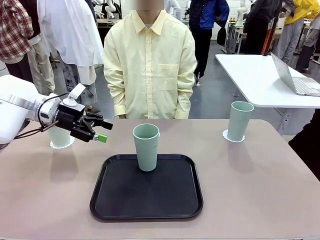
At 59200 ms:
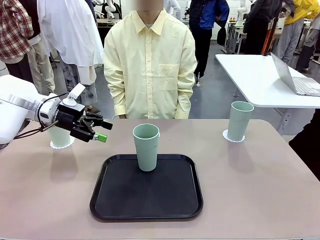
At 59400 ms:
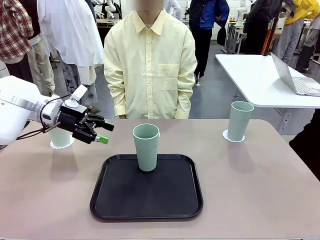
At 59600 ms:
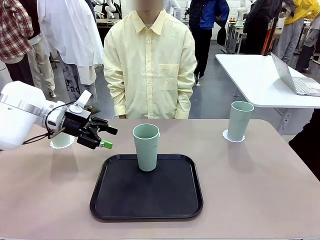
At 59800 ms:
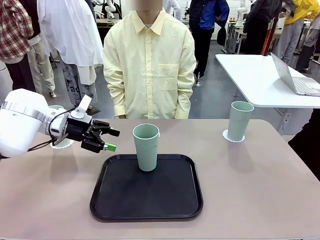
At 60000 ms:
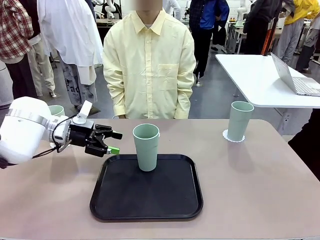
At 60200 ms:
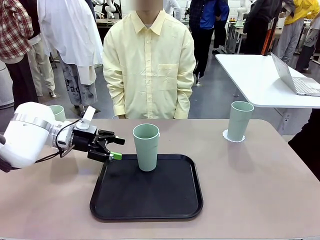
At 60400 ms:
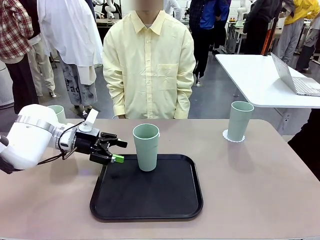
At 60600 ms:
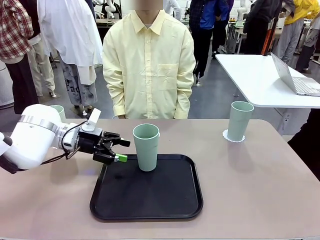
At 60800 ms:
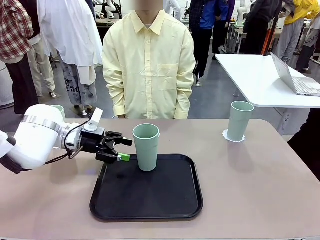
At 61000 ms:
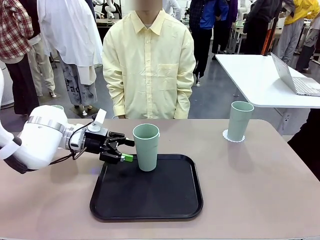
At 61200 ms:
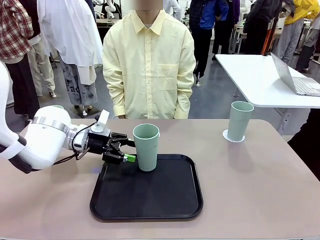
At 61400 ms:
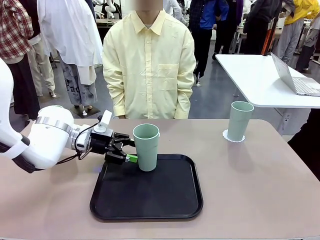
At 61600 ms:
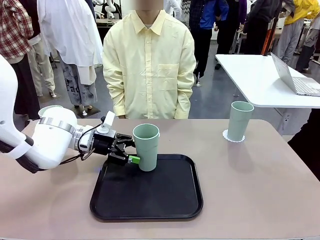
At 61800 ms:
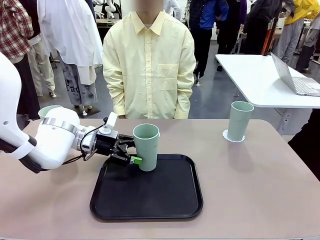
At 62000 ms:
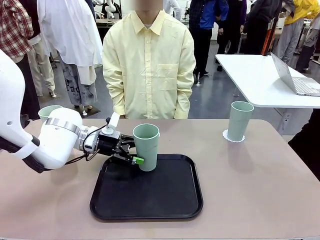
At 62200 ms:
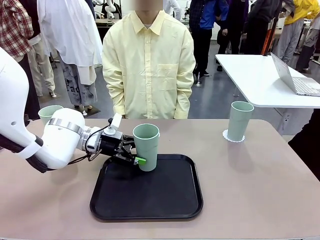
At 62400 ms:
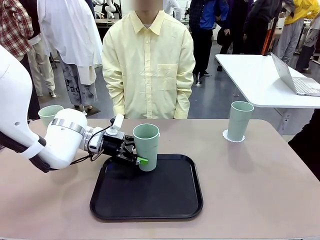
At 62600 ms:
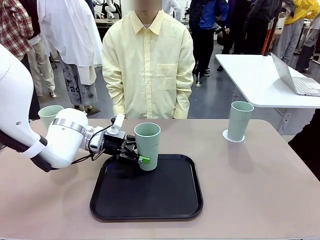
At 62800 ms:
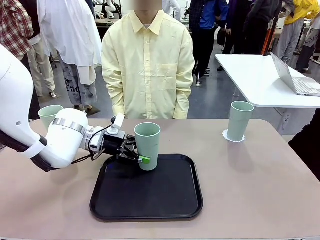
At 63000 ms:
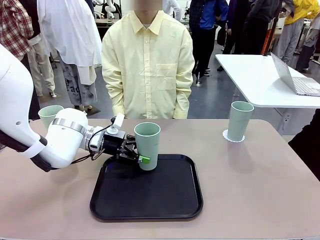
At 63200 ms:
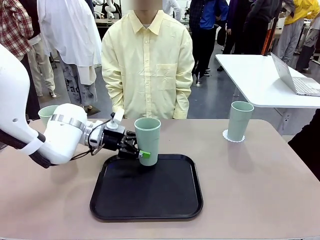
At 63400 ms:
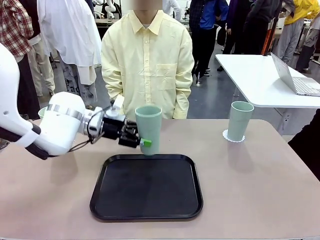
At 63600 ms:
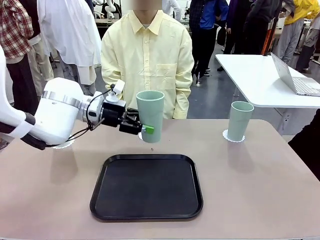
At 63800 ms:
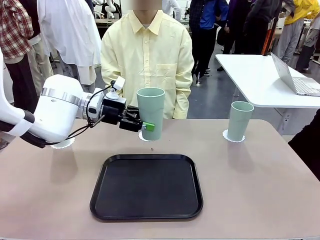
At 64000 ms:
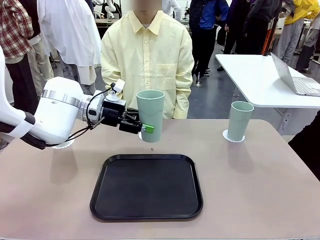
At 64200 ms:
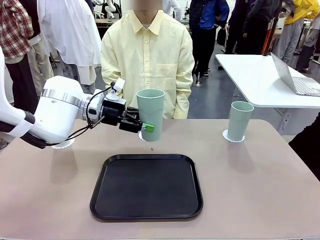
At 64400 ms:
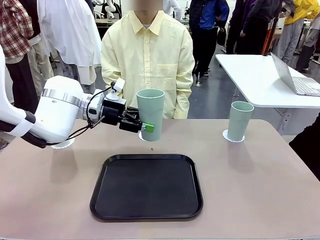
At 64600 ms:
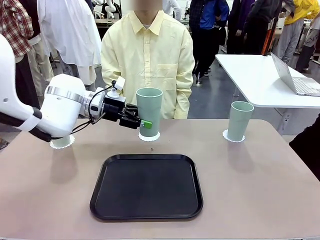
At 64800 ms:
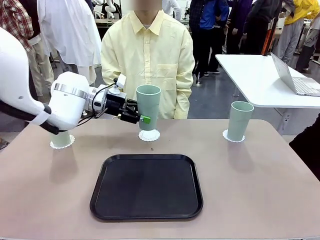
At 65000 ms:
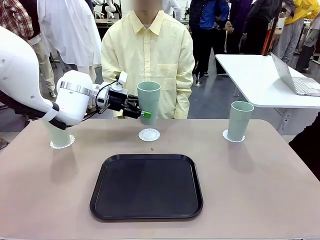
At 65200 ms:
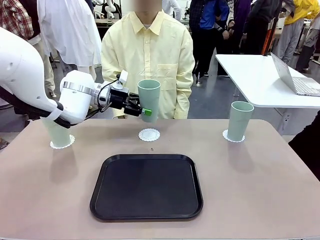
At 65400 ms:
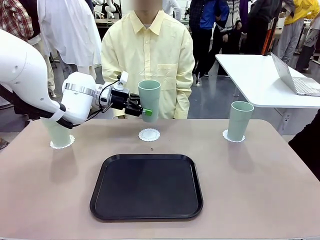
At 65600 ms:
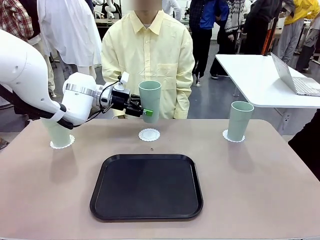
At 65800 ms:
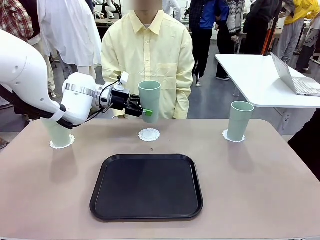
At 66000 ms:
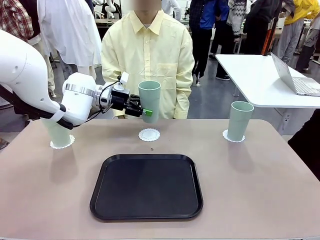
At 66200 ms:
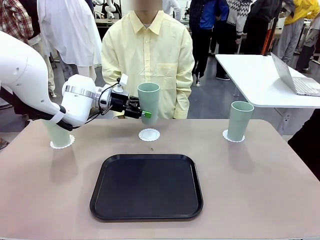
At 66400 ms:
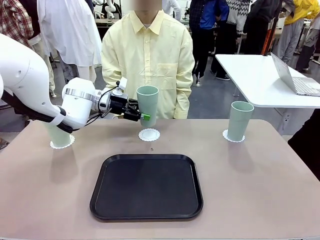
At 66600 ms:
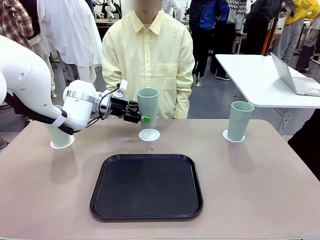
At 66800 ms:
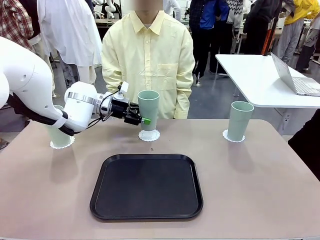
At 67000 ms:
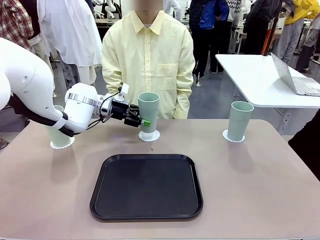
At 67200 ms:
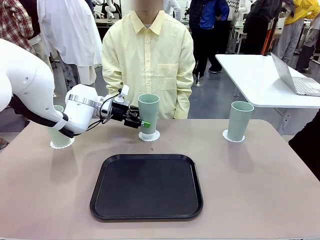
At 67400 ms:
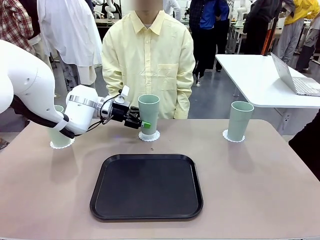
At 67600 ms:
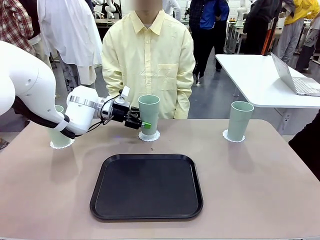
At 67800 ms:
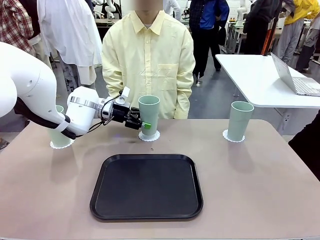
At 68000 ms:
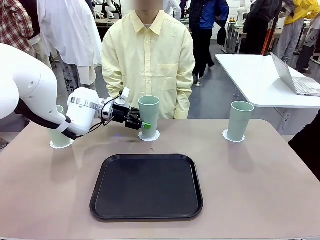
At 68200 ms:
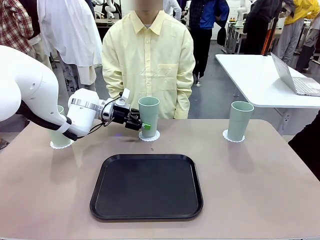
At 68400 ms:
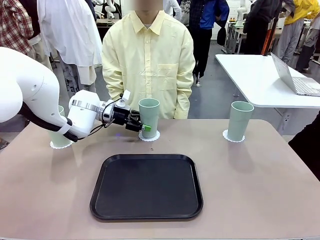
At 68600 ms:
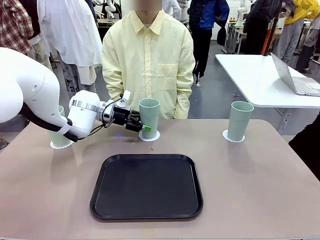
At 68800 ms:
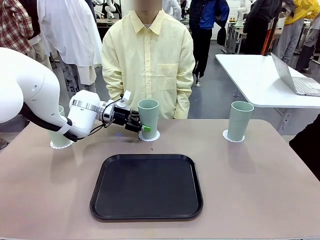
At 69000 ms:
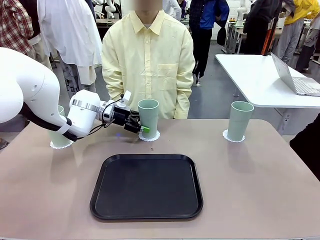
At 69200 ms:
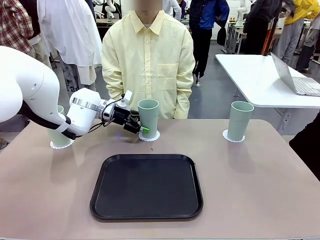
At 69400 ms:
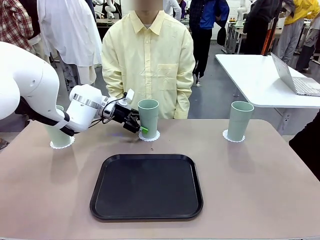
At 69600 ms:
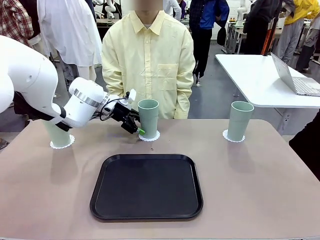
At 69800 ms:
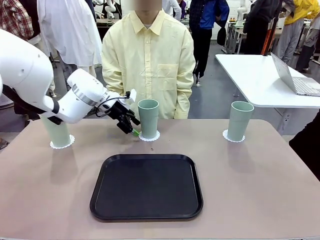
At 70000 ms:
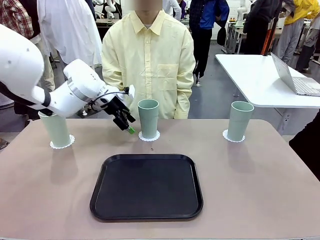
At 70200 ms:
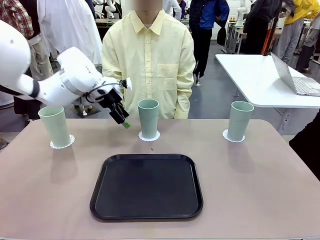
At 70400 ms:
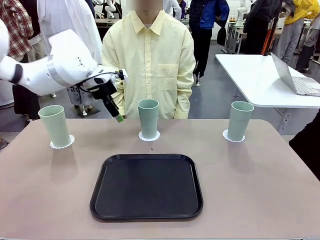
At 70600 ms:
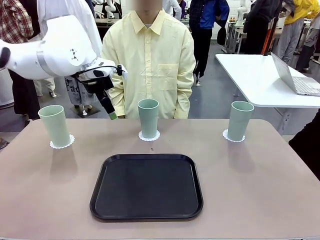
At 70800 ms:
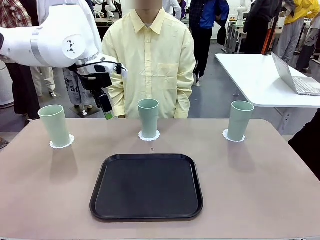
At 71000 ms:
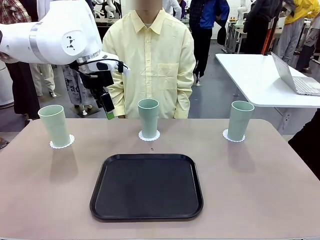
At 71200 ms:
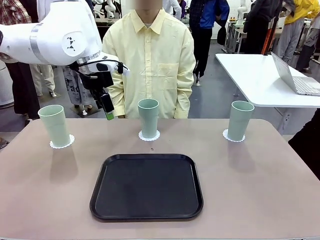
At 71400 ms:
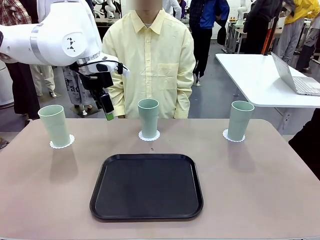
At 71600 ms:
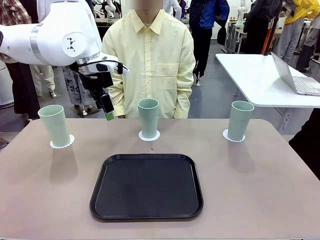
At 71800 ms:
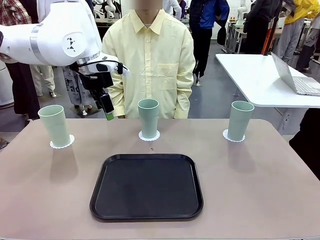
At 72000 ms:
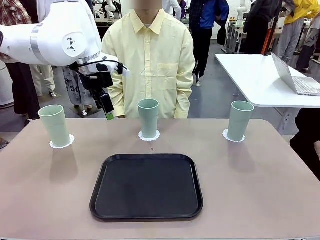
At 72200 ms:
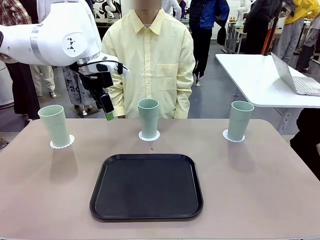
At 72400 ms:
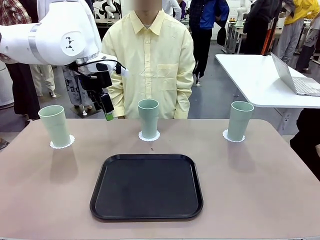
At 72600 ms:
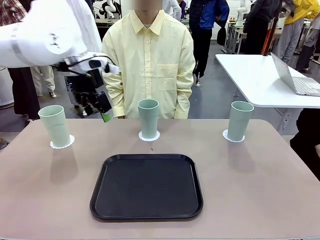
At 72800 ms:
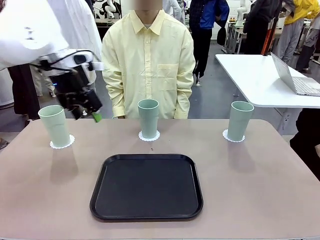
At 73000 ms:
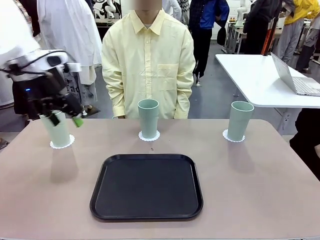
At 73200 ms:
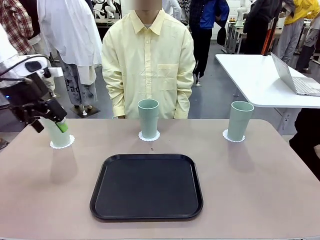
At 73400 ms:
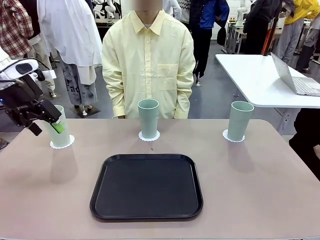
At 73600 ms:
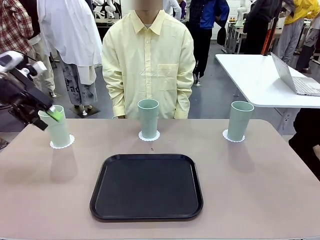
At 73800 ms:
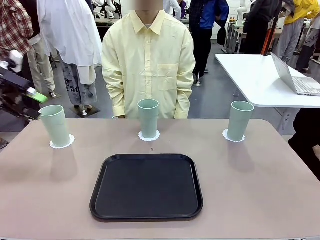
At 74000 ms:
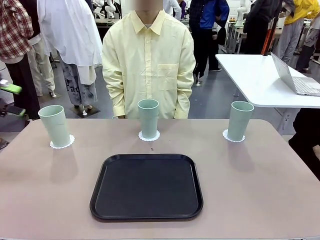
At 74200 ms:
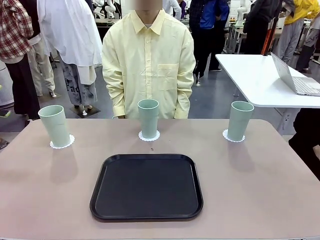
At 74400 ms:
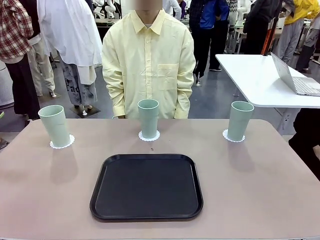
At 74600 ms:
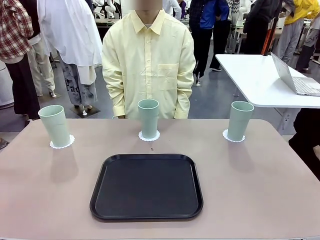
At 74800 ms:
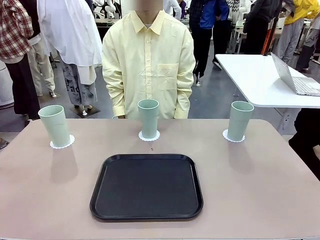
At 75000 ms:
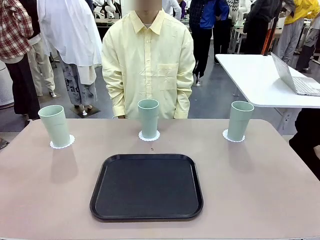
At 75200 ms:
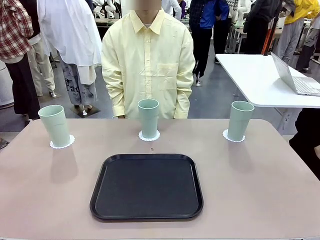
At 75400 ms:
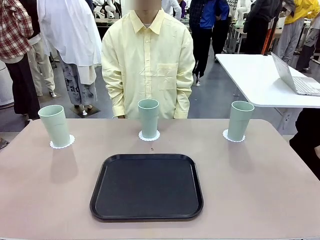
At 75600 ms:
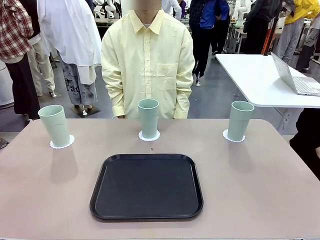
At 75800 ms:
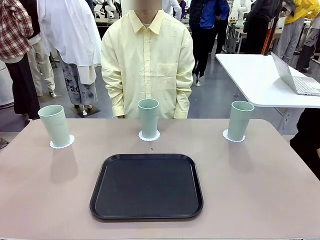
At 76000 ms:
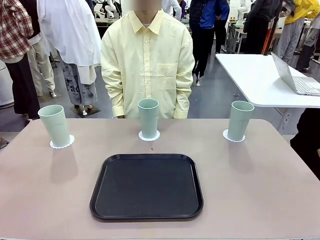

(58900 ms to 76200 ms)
Task: Place coasters on the table and set cups on them.
Robot: Take one Reusable plastic cup from the Flat Tray and place it on a coaster set by the human.

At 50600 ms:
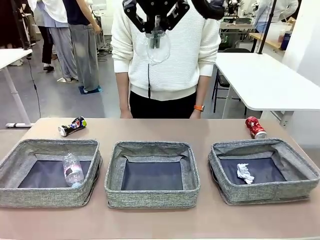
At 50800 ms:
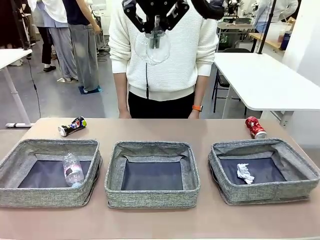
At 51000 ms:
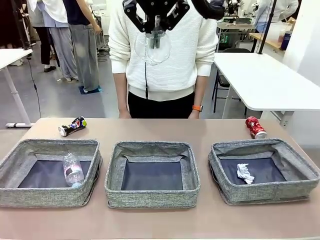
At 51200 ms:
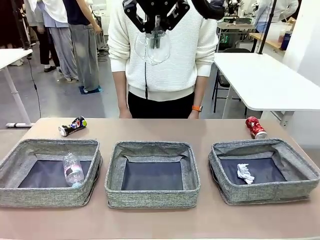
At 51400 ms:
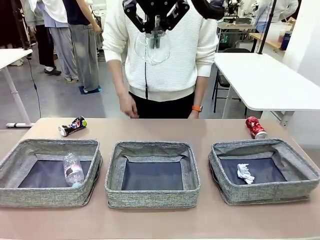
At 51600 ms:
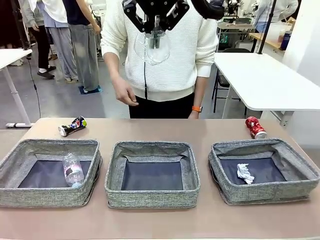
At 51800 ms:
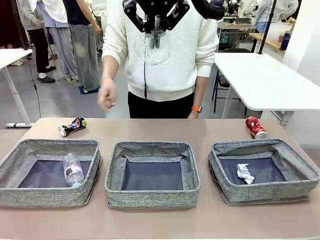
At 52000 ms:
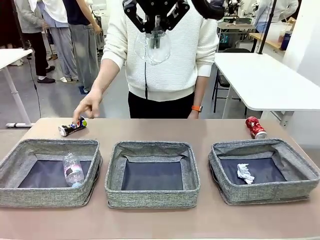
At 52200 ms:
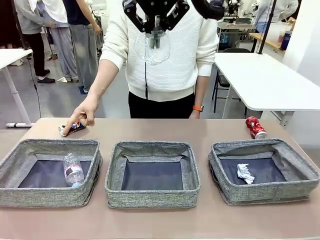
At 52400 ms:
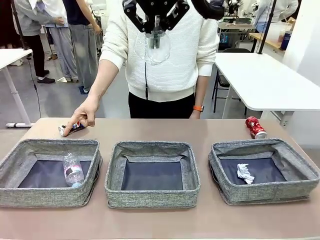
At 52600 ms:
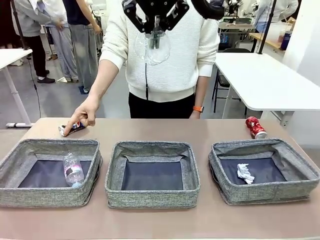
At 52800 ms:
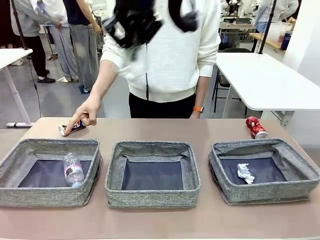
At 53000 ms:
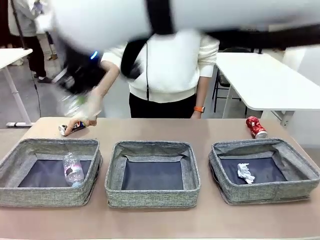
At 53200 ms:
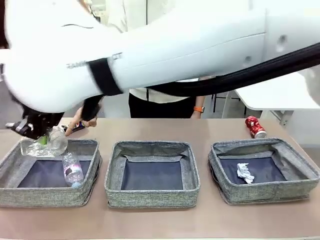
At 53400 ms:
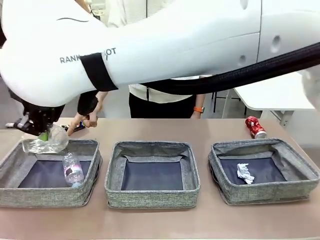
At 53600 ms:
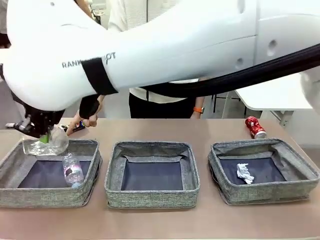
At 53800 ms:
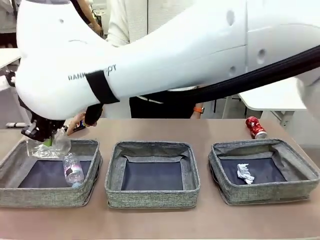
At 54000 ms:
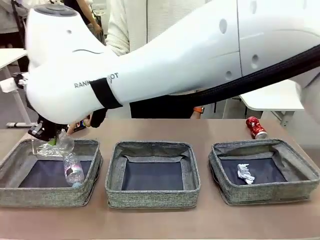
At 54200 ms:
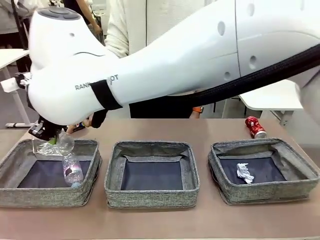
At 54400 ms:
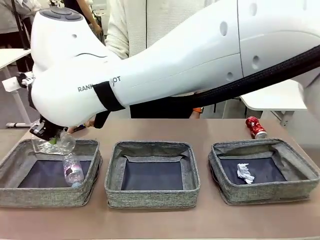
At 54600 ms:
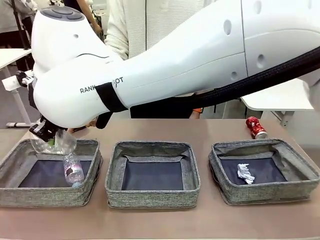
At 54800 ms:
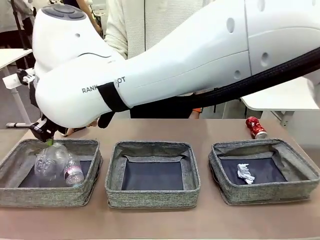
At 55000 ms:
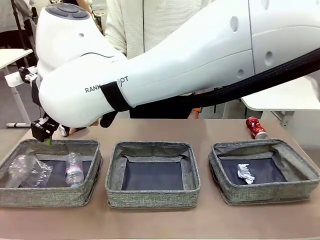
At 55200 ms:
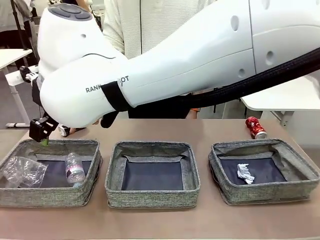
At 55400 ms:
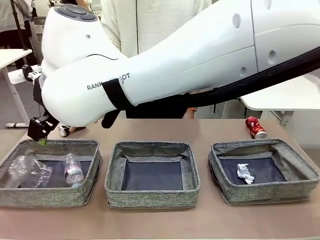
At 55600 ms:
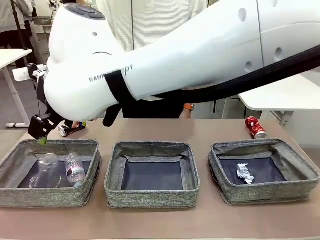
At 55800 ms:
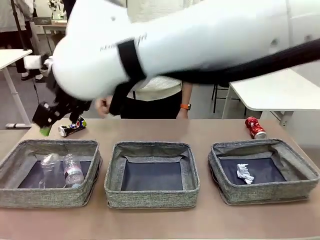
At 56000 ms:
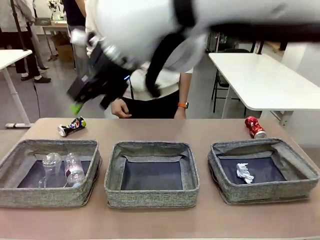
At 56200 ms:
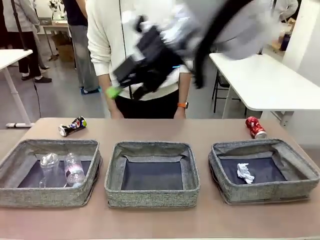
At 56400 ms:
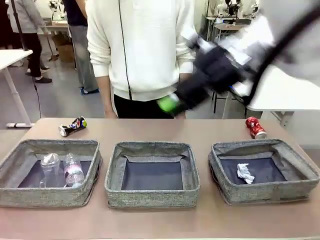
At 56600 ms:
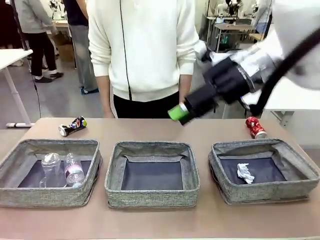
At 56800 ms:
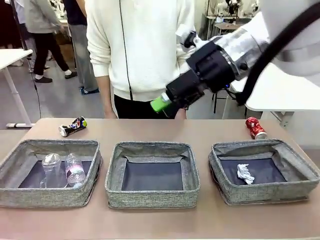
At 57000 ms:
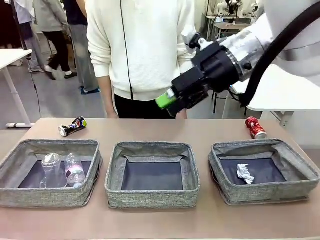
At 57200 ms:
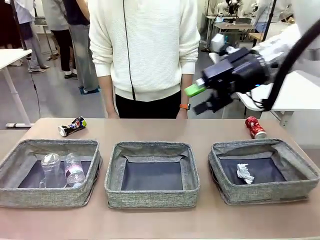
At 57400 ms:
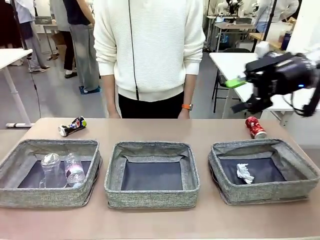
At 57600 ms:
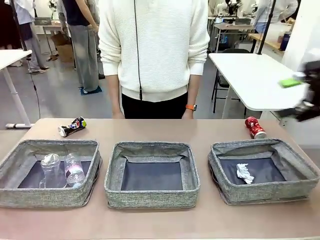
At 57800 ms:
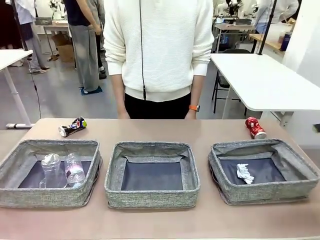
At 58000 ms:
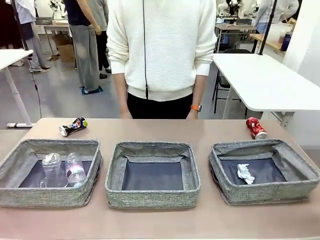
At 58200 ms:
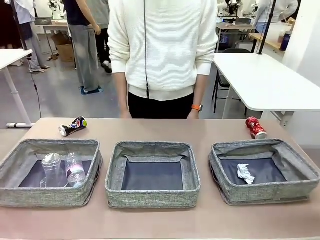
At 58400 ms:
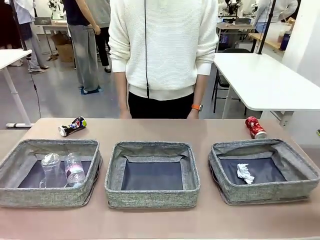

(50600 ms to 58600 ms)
Task: Sort the waste into the appropriate baskets.
Robot: Place the picked waste into the Fabric basket indicated by the person.
Person: Instructs the robot to place the picked-up trash into the appropriate organizing basket.
